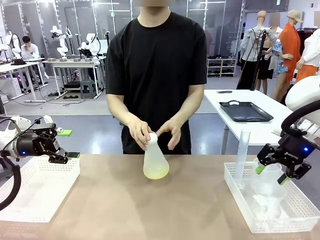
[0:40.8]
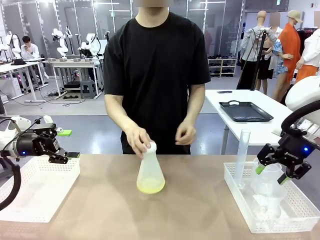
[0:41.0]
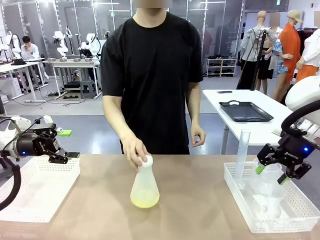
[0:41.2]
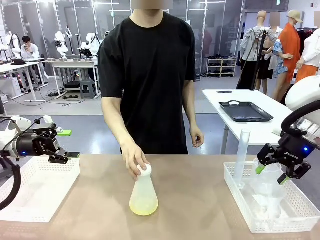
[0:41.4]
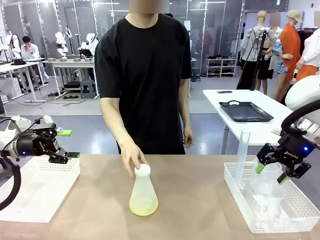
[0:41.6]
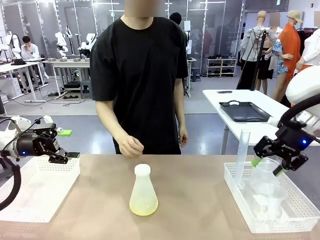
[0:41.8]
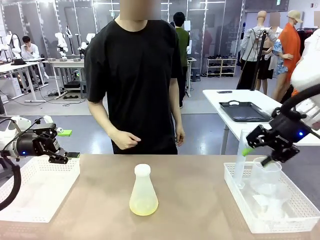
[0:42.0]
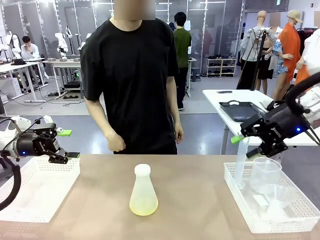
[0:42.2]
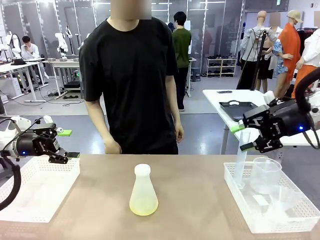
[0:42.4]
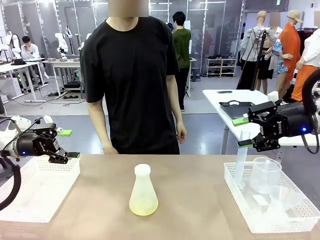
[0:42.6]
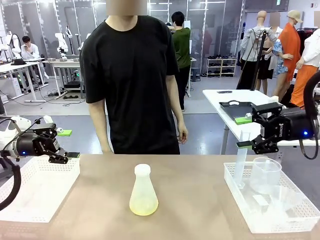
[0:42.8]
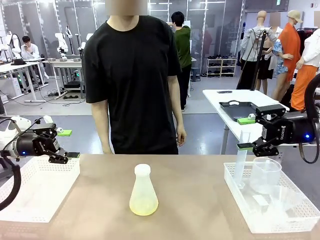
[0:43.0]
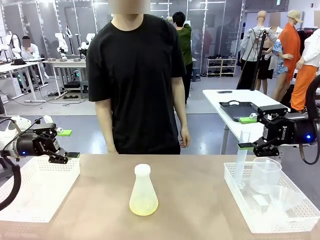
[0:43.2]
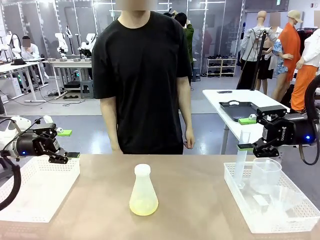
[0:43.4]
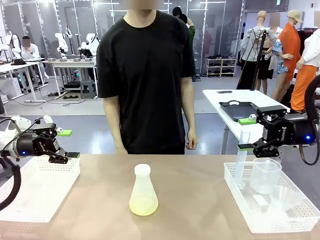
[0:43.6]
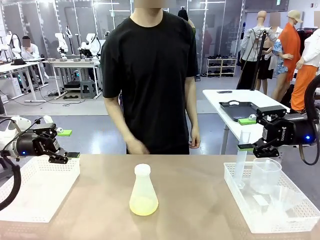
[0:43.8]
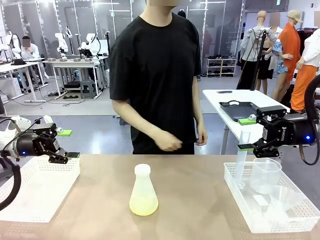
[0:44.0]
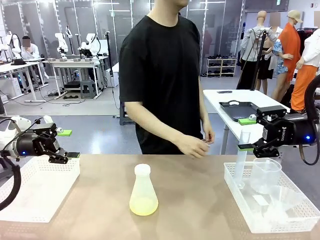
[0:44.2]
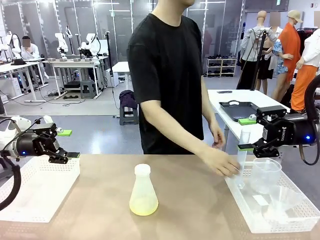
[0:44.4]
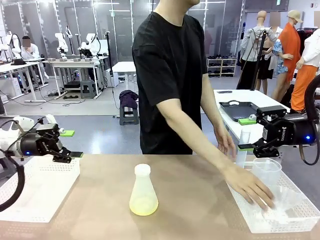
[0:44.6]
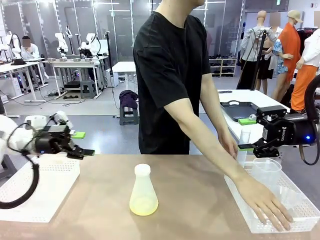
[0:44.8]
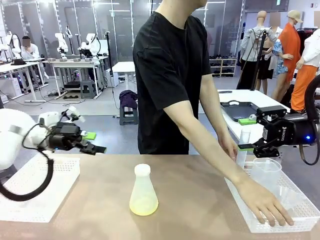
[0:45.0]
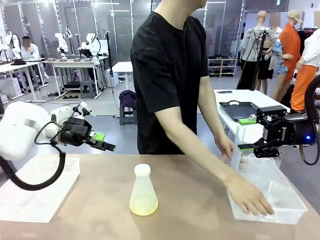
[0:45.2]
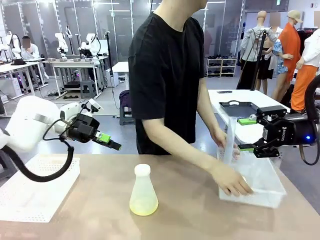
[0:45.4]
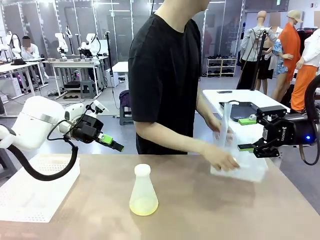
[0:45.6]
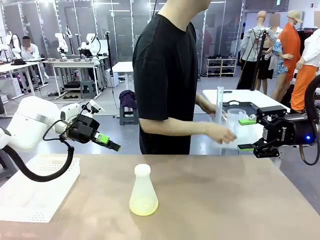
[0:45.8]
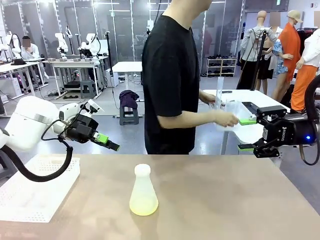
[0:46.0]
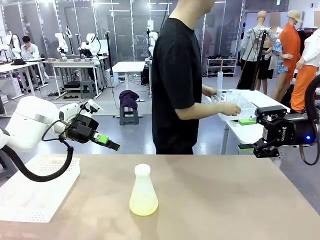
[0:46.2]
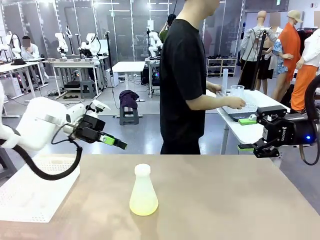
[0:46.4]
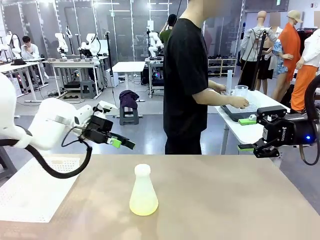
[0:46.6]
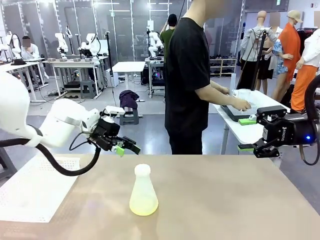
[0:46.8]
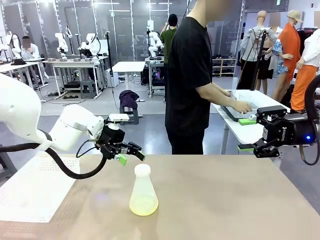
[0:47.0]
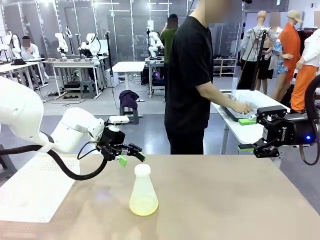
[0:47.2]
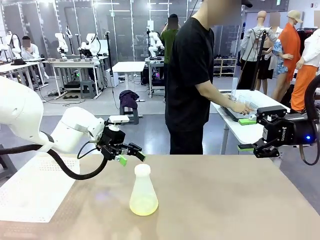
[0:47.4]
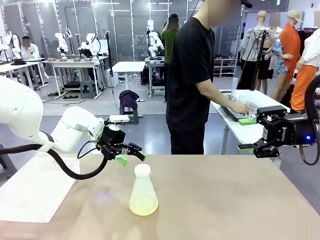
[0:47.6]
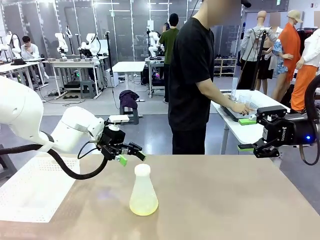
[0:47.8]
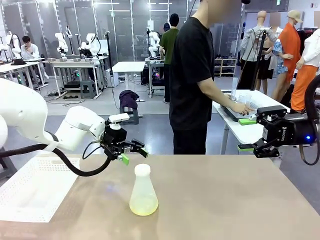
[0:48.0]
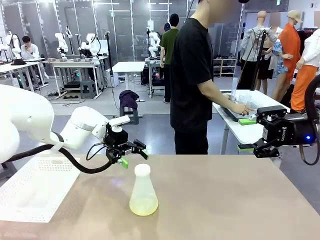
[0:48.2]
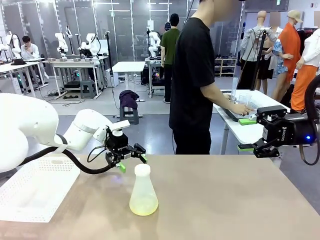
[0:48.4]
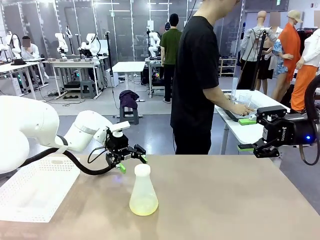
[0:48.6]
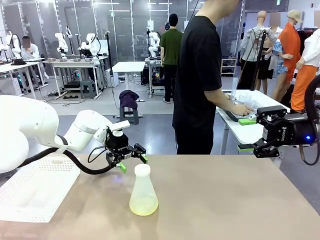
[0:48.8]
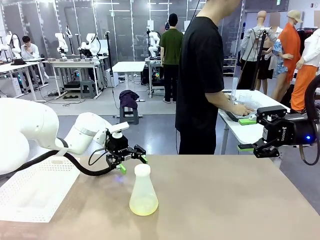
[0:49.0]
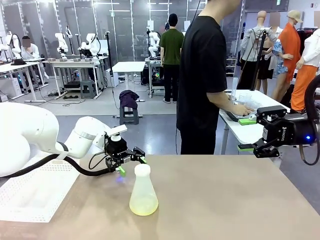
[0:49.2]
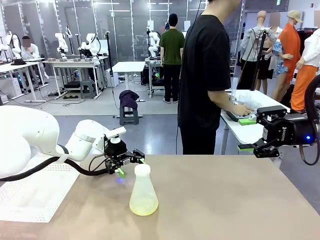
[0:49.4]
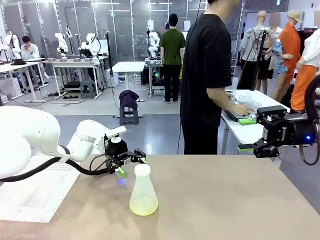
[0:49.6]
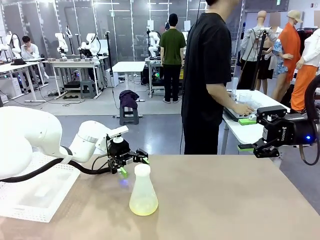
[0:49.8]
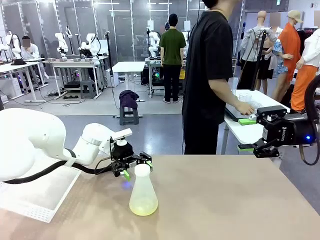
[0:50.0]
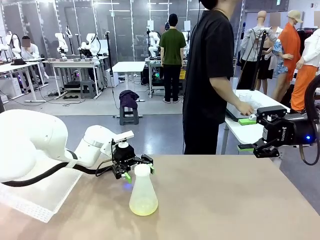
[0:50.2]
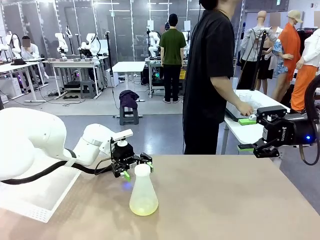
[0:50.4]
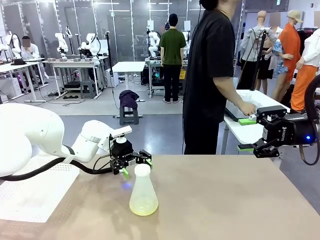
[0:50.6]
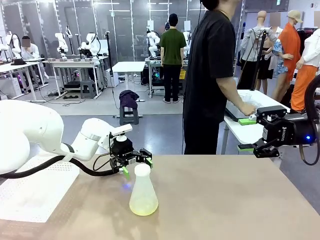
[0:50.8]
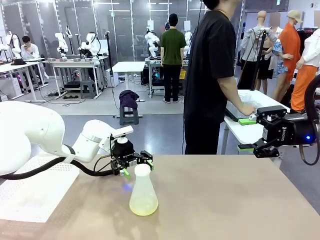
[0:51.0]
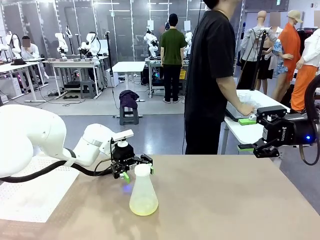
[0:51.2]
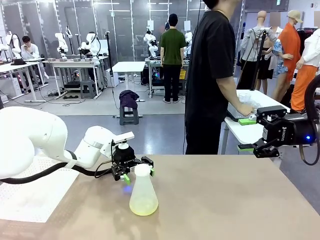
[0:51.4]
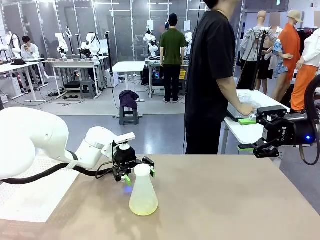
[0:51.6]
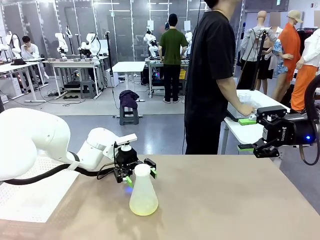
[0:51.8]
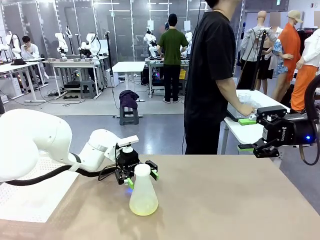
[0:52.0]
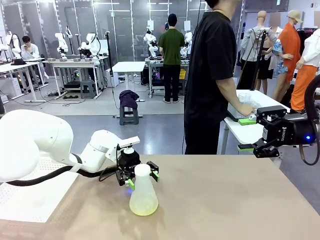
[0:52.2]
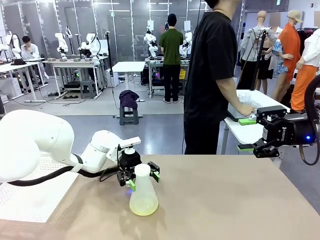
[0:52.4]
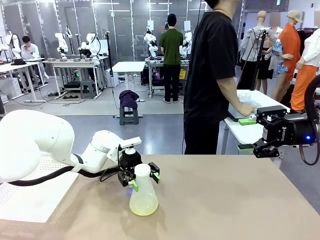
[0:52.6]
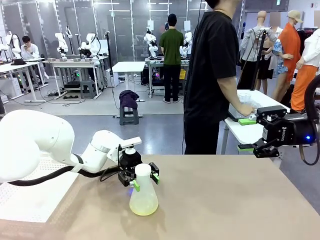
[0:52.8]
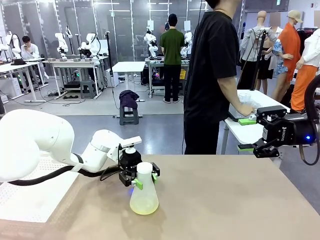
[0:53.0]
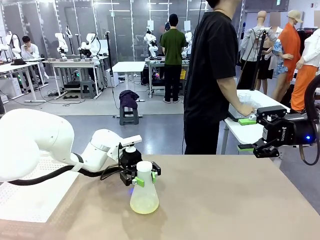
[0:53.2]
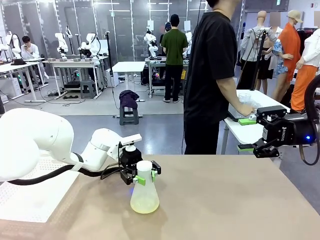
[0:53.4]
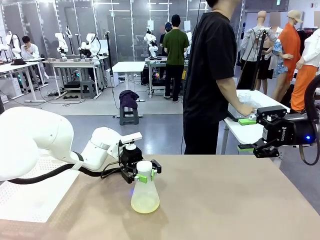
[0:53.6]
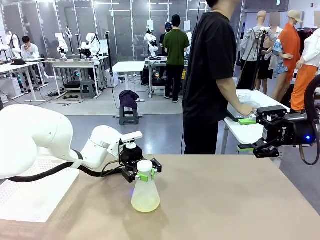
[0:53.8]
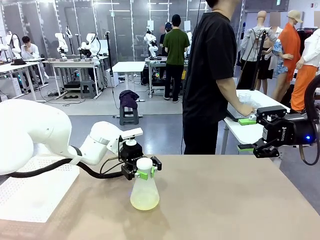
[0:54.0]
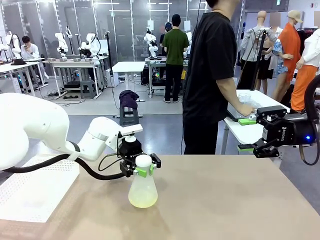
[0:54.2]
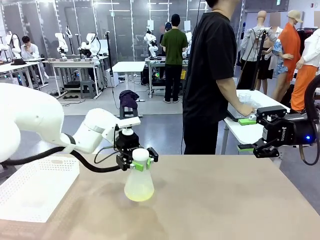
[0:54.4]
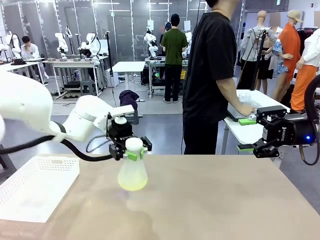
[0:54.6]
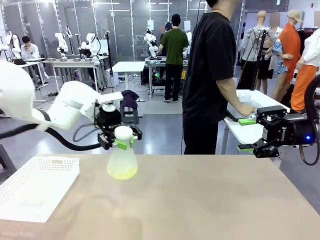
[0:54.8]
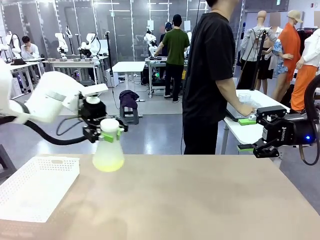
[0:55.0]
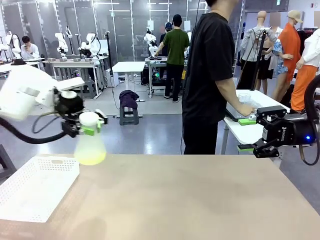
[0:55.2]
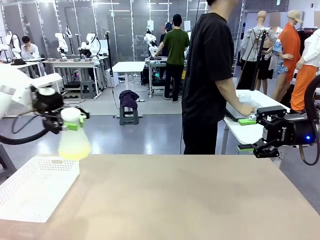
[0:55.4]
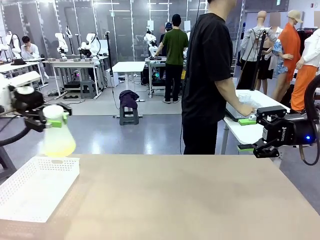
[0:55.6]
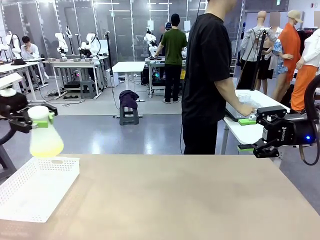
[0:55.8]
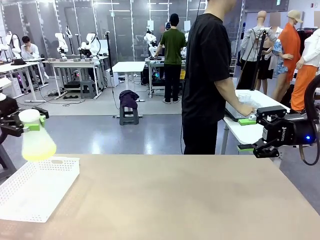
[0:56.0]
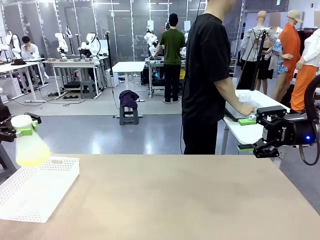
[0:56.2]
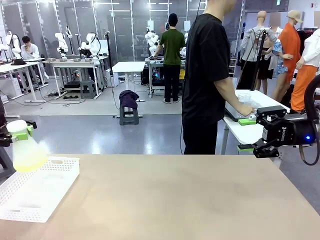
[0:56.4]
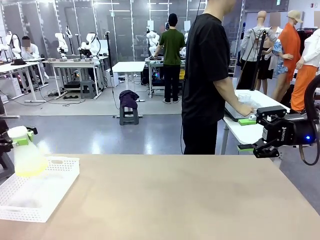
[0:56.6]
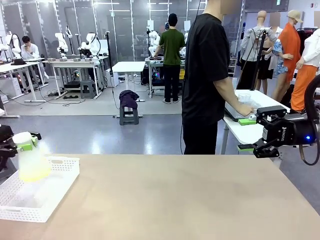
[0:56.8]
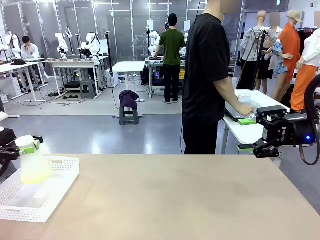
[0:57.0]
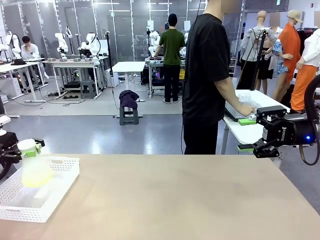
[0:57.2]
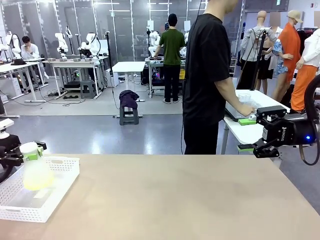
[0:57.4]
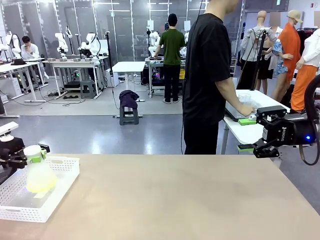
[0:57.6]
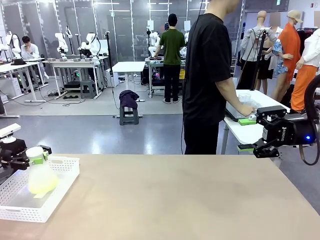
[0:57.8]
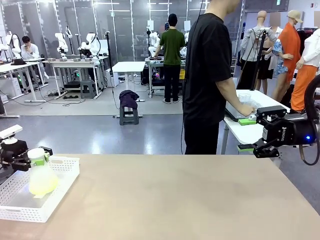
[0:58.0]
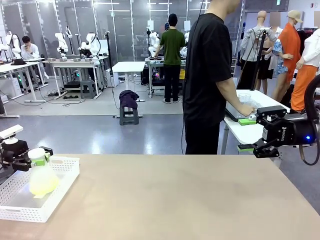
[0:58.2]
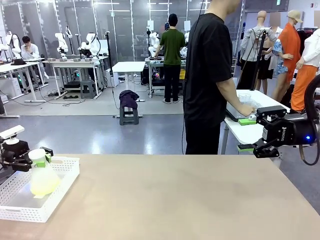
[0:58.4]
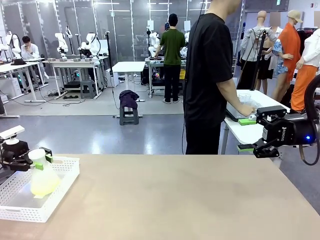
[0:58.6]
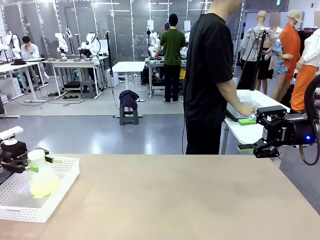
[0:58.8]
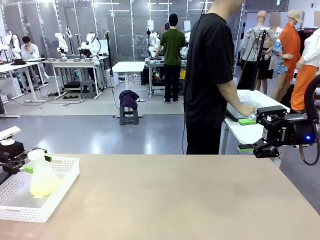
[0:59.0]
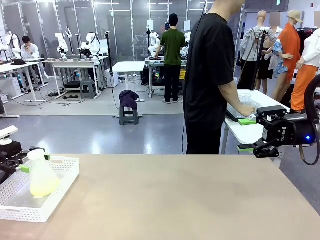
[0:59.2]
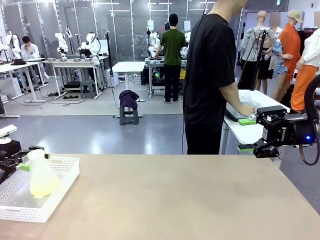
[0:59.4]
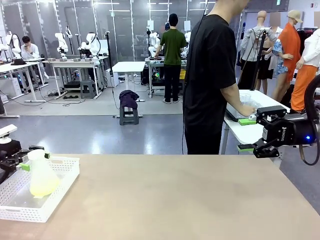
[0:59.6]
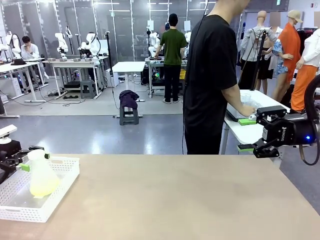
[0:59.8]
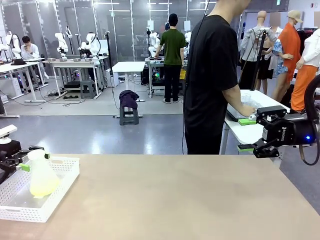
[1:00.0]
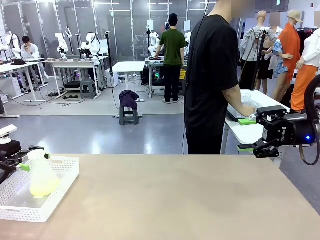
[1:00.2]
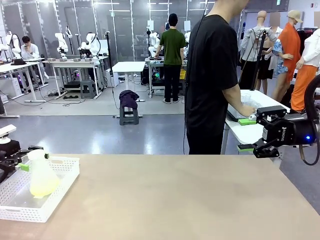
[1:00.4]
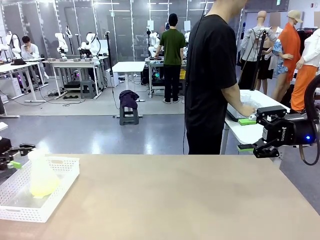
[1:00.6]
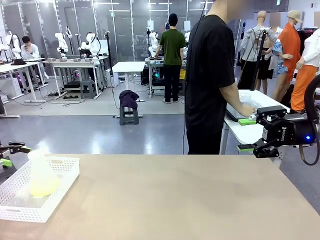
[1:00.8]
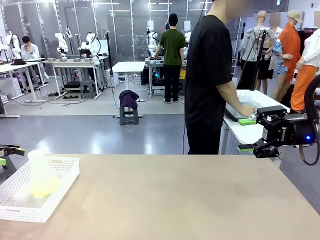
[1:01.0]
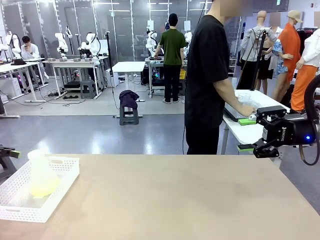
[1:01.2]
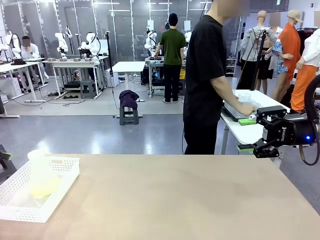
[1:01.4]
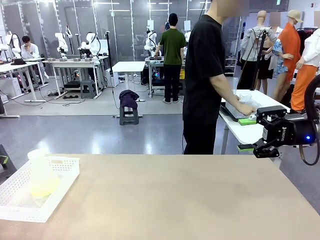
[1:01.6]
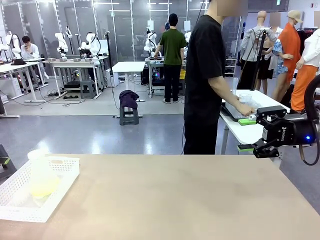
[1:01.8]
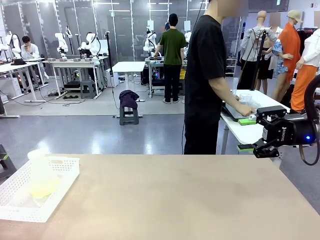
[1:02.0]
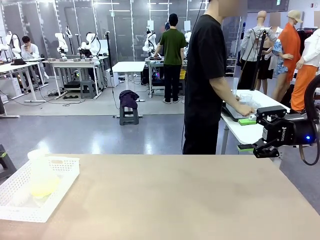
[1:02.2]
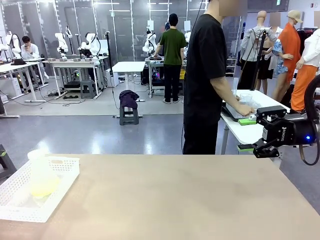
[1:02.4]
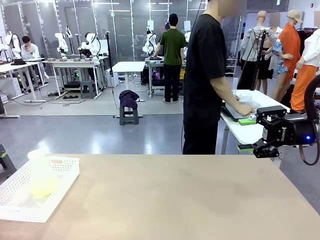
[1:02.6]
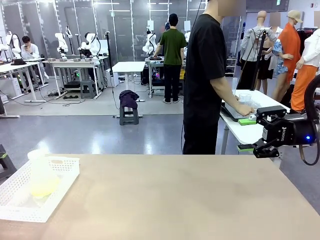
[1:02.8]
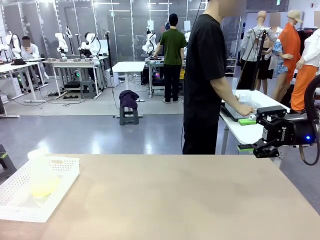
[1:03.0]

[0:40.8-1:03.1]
Task: Prepare the solutions needed for the experiment.
Robot: When the human places the Big flask in the center of the table, pick up the Big flask and place it in the left Organizing basket.
Person: Pick up the organizing basket on the left side of the robot table and place it on the left side of the human table.
